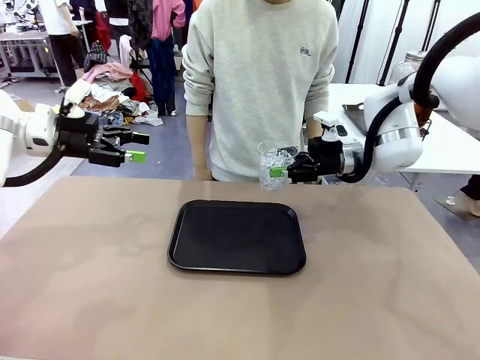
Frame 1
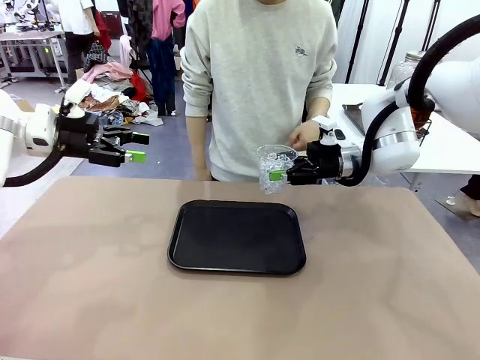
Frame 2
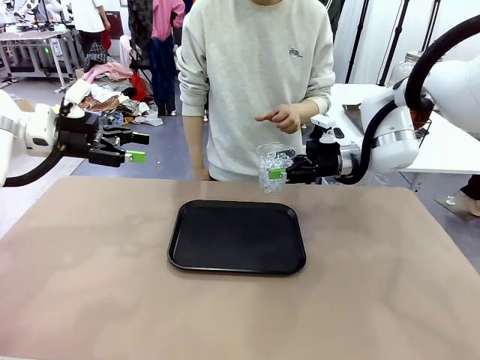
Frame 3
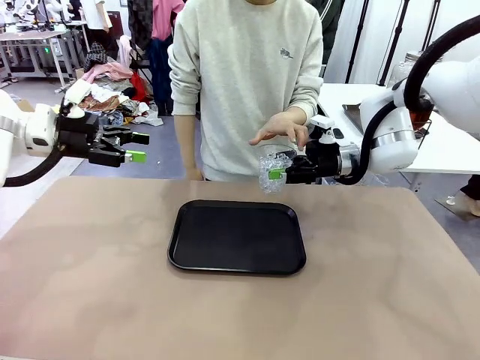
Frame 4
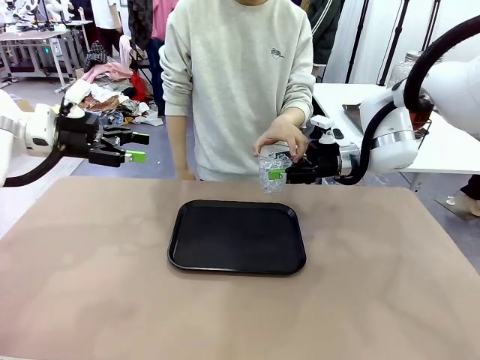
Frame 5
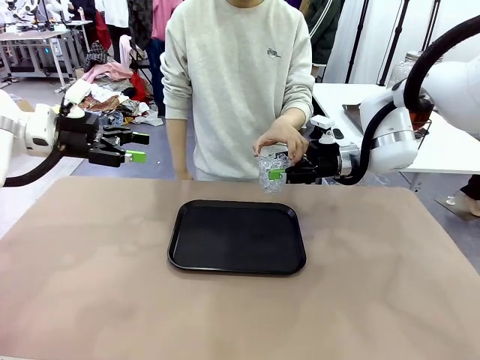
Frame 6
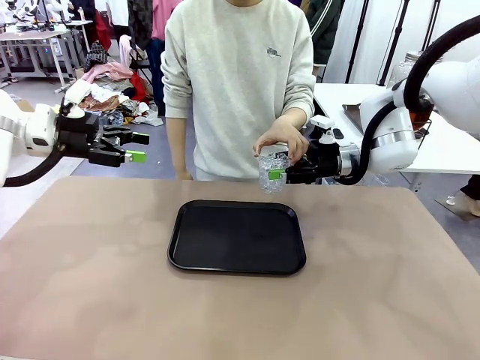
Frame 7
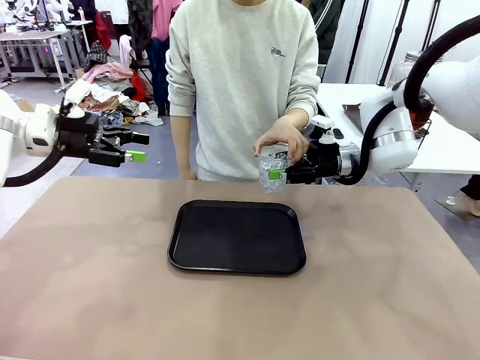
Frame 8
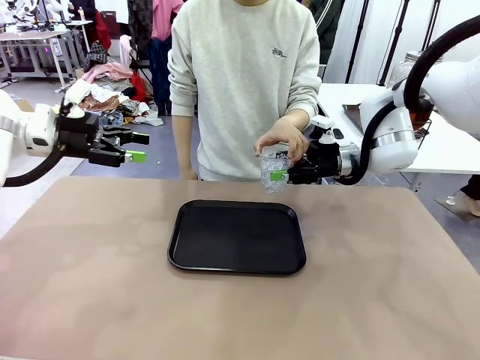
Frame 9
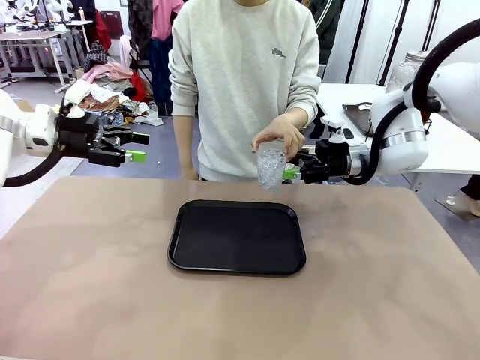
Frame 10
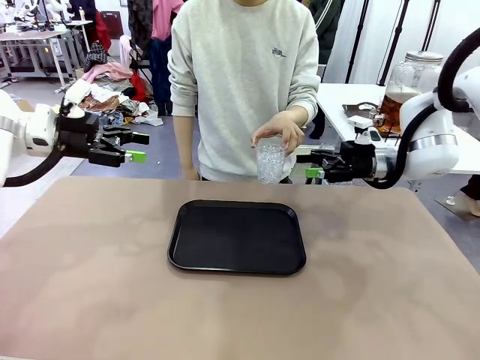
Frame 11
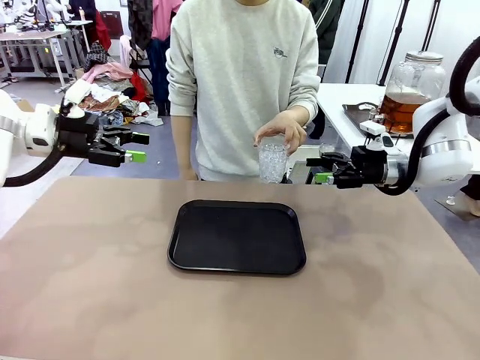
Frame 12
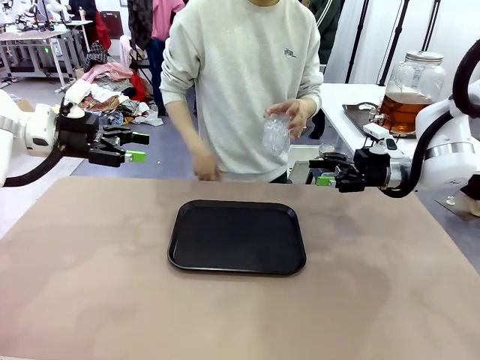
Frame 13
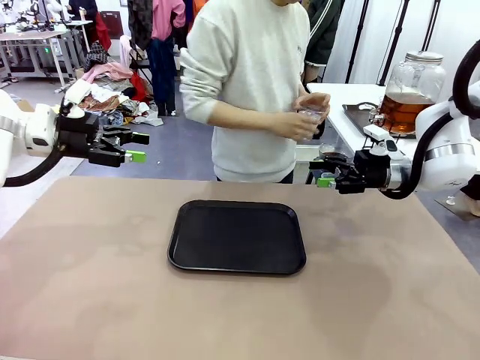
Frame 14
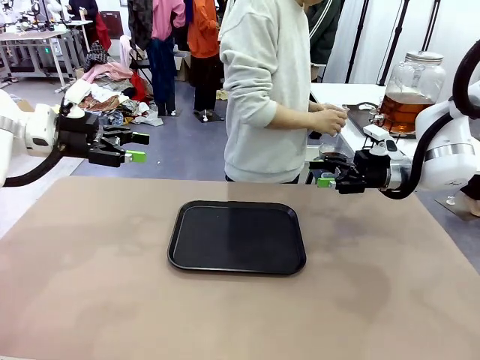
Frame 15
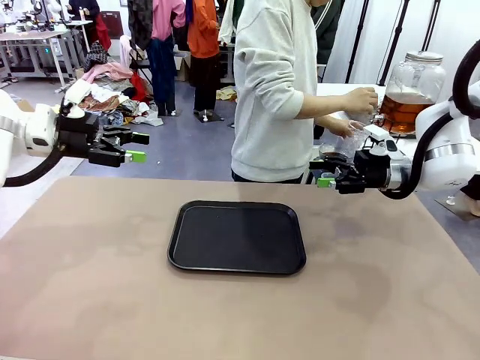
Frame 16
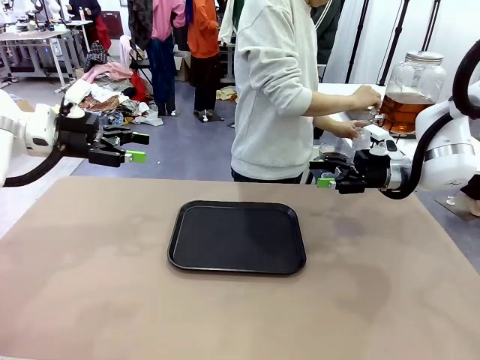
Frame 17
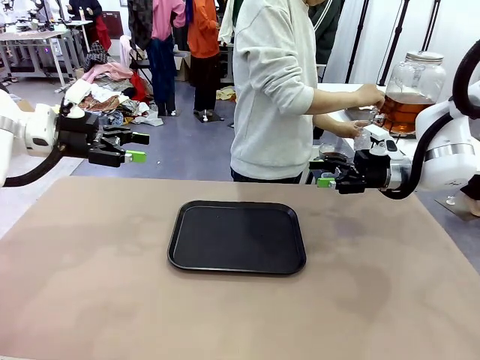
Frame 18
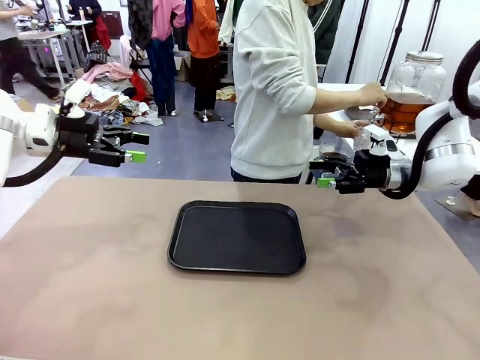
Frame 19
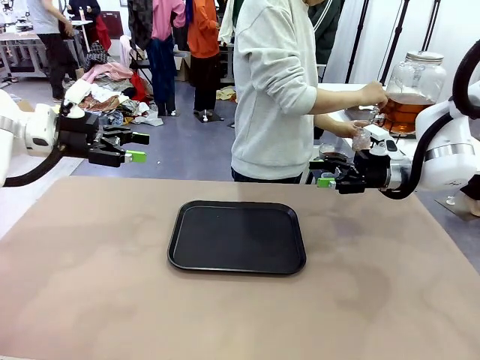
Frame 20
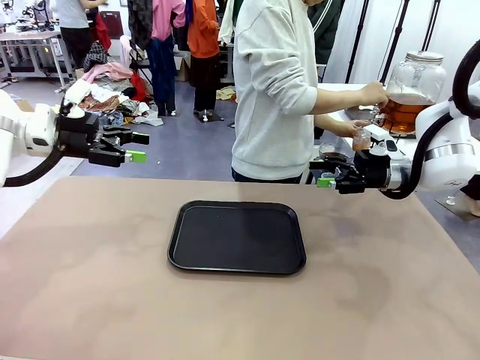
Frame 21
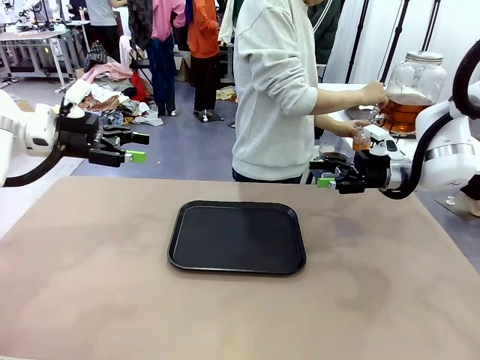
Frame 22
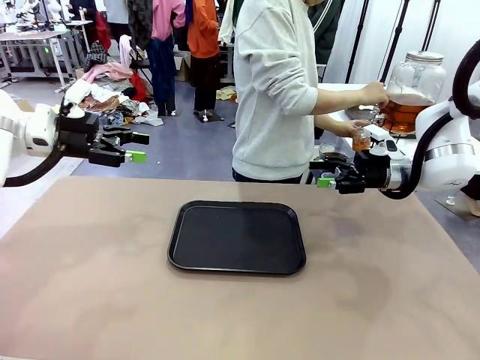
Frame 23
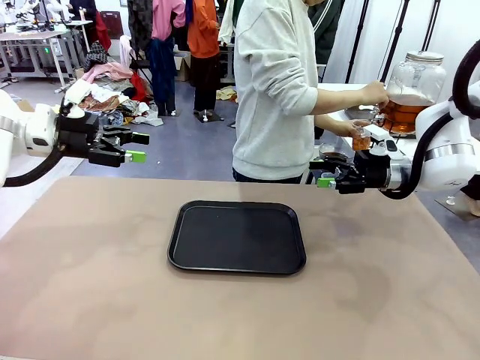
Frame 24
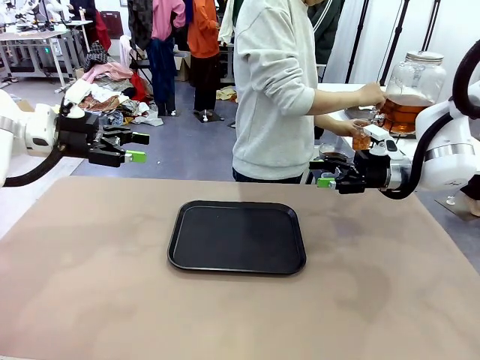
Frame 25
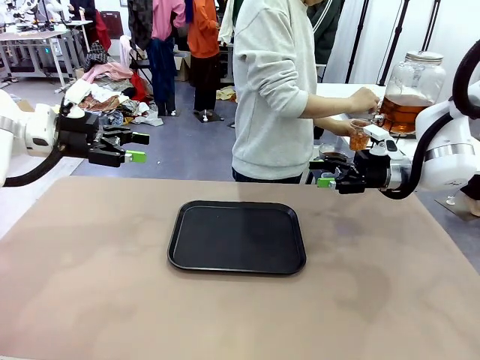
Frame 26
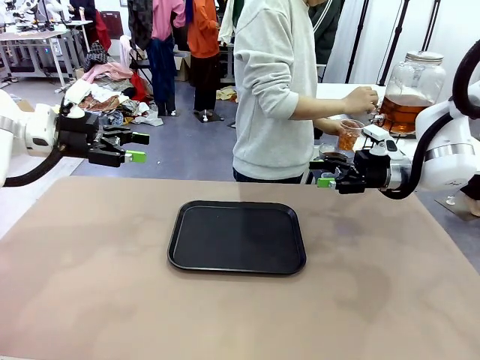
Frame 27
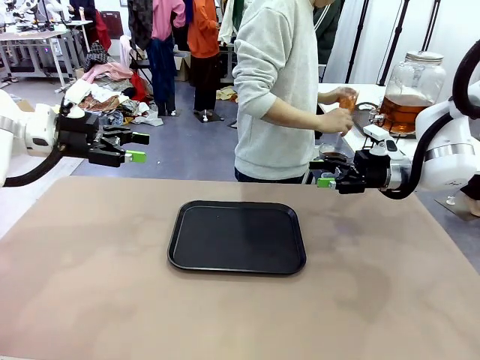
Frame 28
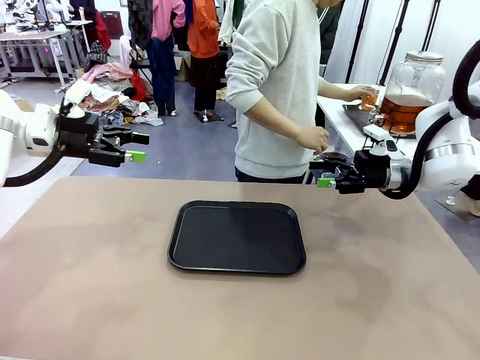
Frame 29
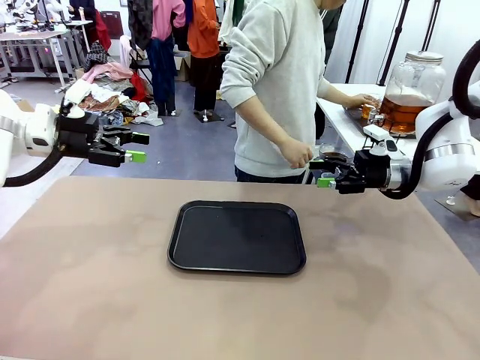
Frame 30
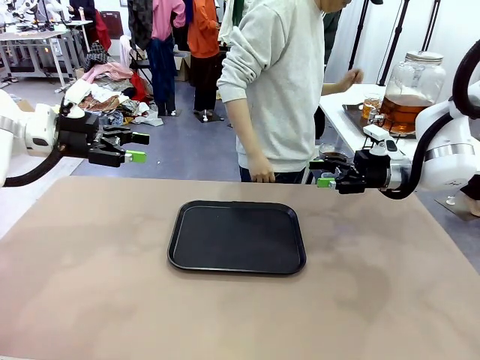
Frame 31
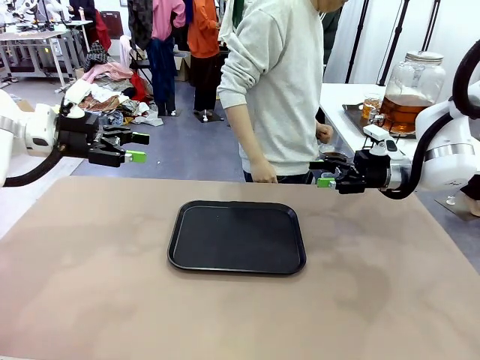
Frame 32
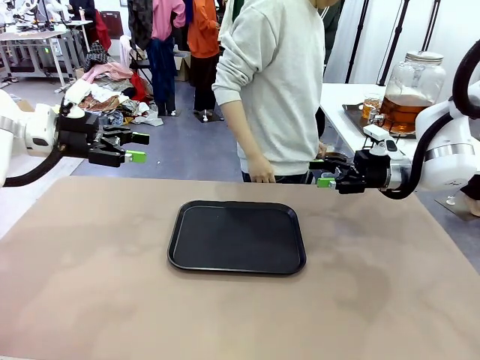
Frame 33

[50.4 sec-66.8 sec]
Task: Pour the drink into the iced cup.
Robot: Open the gripper to release the iced cup you were holding.
Person: Move the picked-up cup under the dispenser faucet, pour the drink, and place it on the tray on the human table.

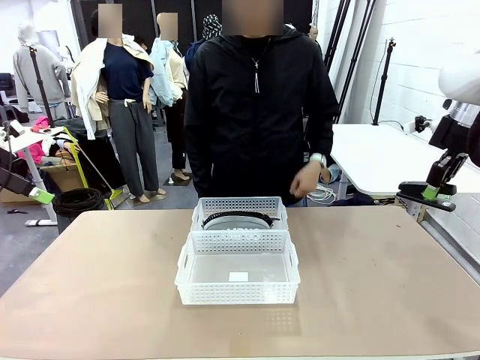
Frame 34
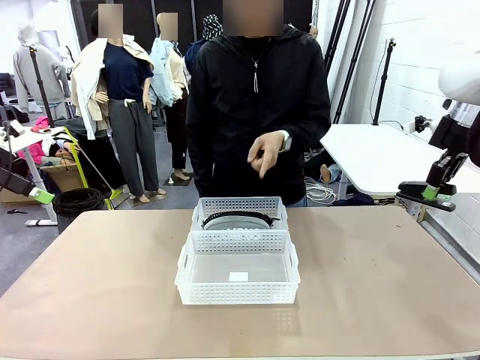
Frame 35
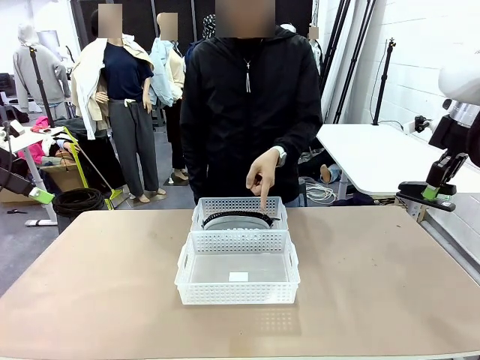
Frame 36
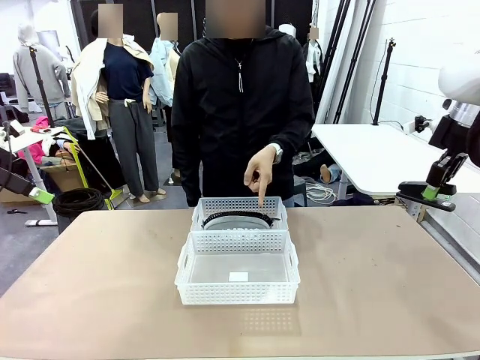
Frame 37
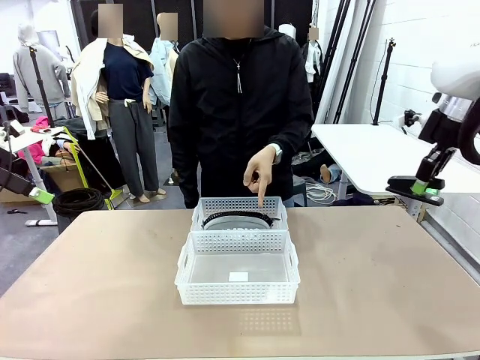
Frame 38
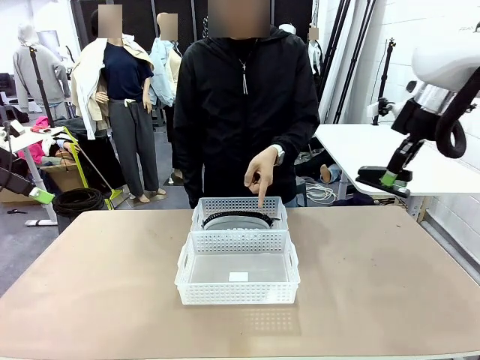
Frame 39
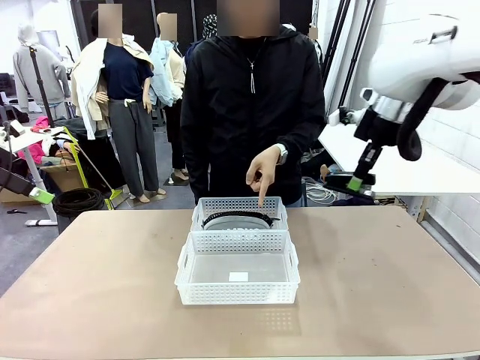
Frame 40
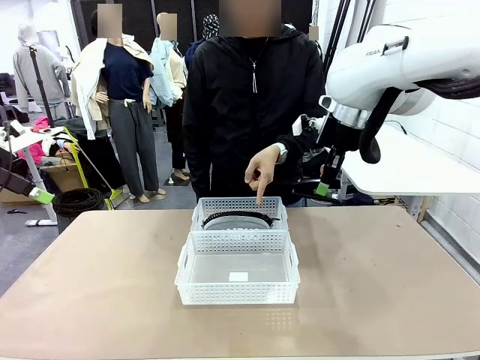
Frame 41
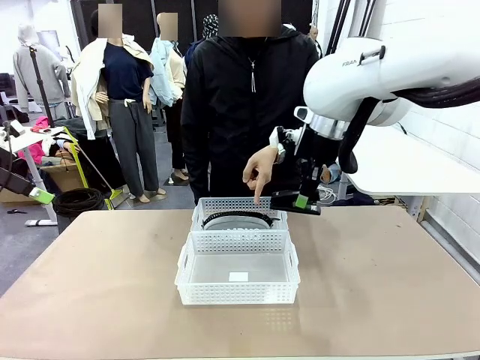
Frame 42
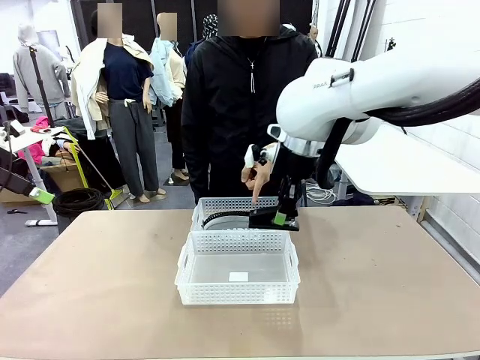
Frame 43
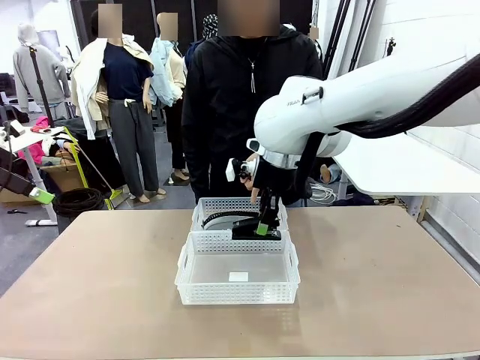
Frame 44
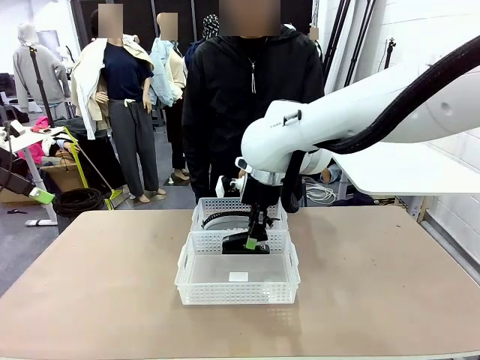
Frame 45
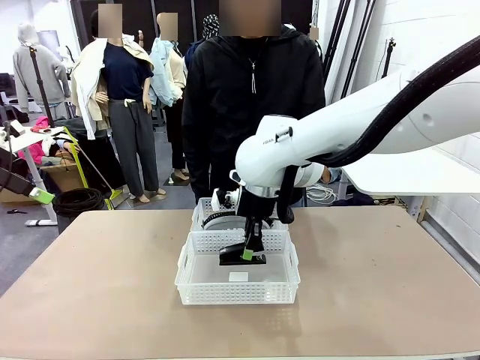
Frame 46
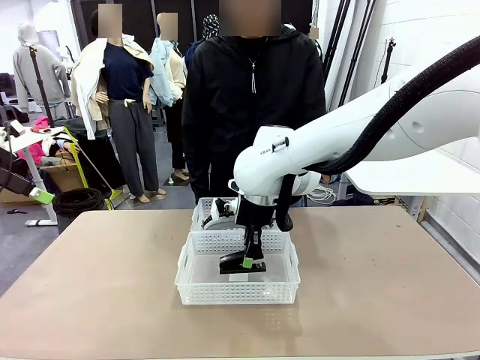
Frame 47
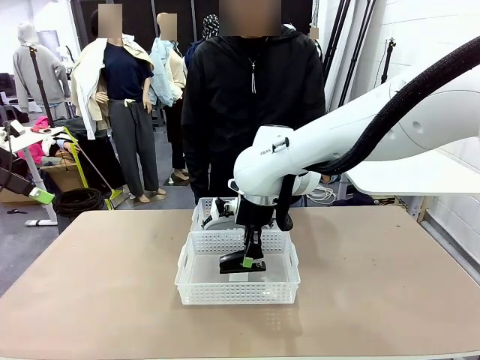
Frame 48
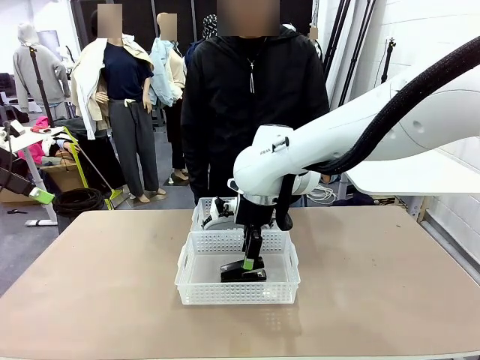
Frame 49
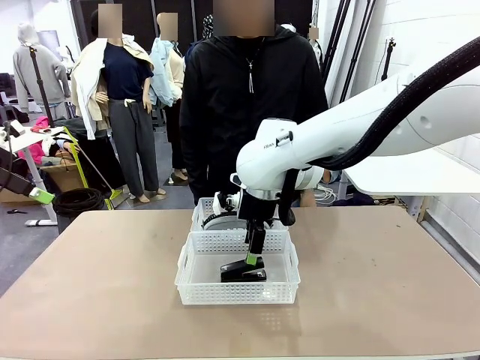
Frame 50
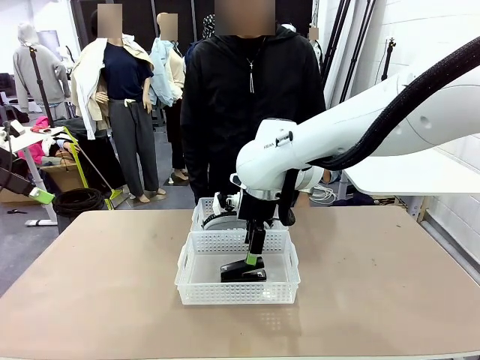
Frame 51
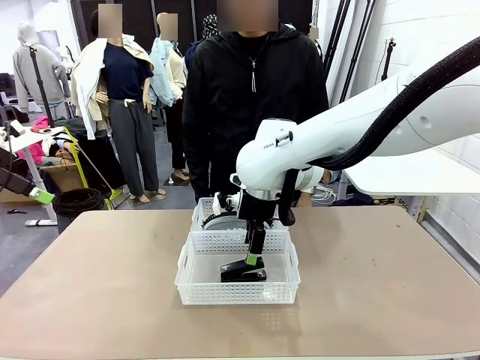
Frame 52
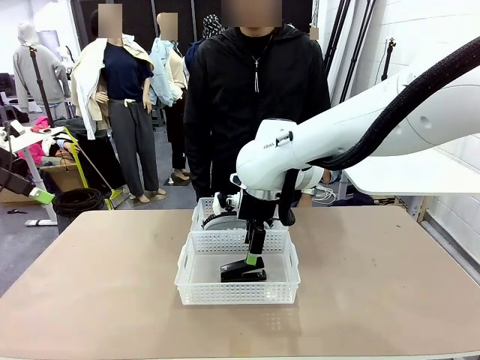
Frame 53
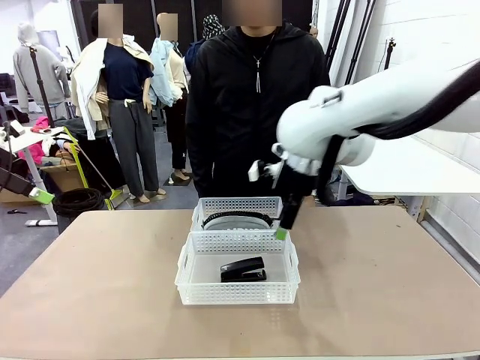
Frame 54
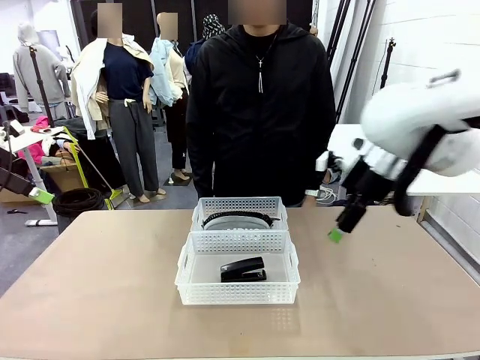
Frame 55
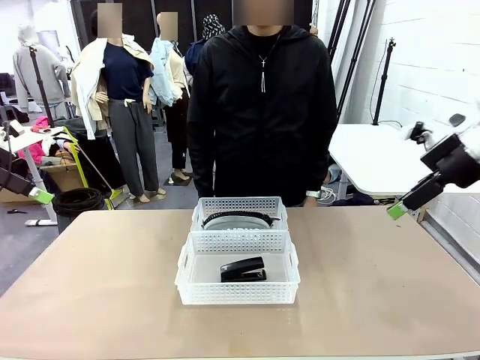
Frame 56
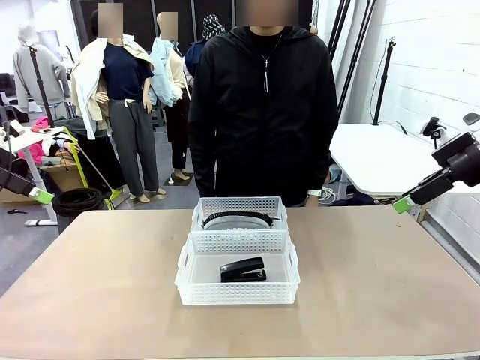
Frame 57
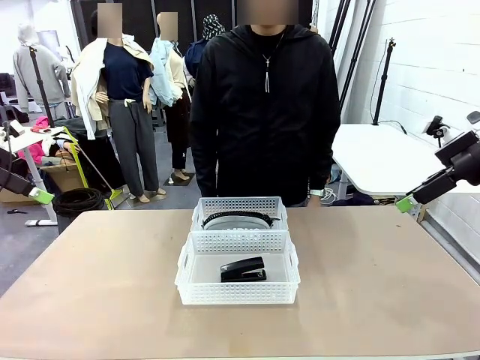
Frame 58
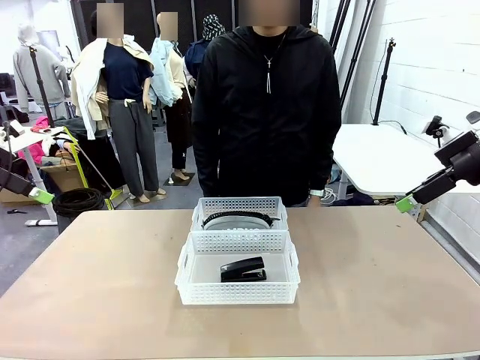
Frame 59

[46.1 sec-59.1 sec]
Task: Distribute items into two baskets.
Robot: Place the picked Stapler into the Organizing basket as instructed by the person.
Person: Points to the basket that does not contain the pencil case and instructs the robot to move the stapler there.
